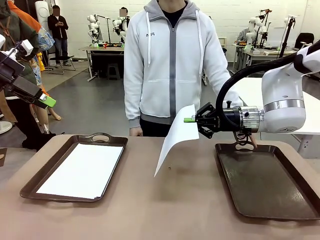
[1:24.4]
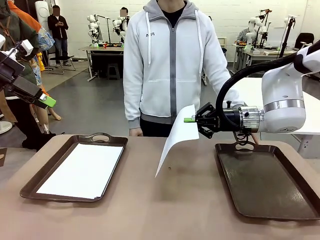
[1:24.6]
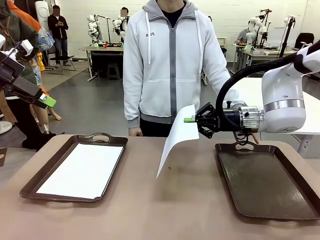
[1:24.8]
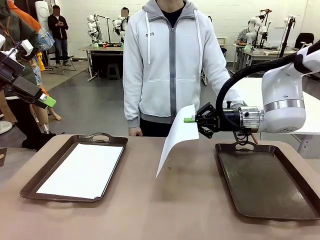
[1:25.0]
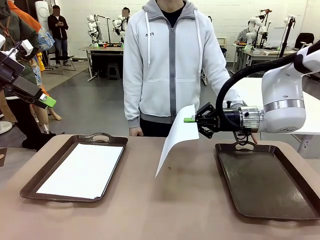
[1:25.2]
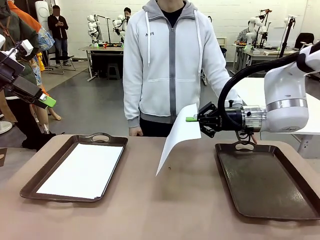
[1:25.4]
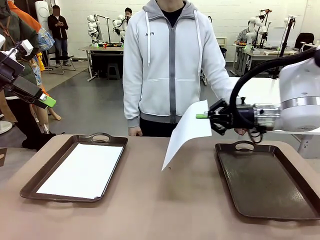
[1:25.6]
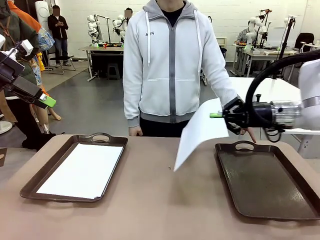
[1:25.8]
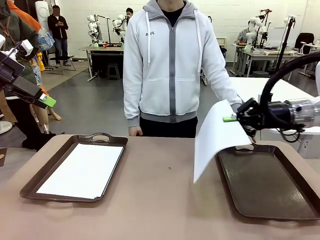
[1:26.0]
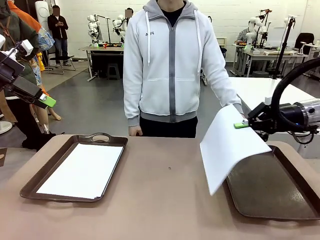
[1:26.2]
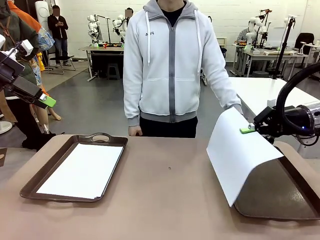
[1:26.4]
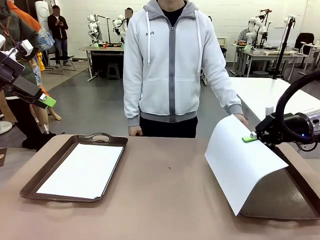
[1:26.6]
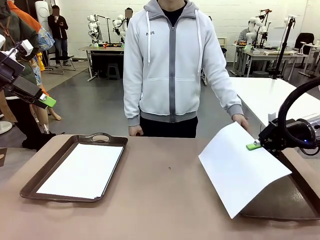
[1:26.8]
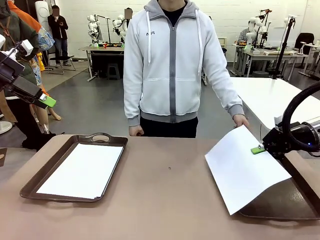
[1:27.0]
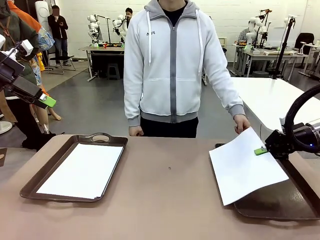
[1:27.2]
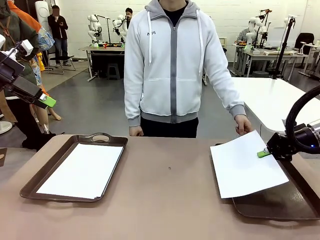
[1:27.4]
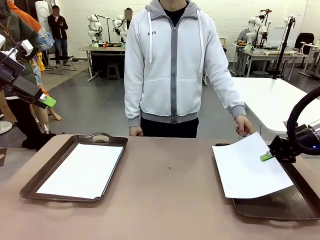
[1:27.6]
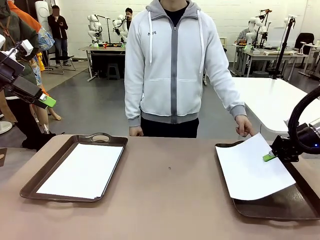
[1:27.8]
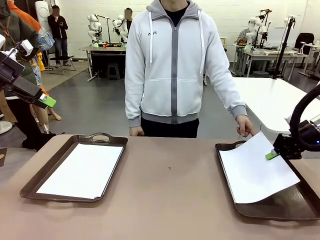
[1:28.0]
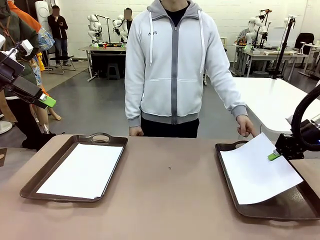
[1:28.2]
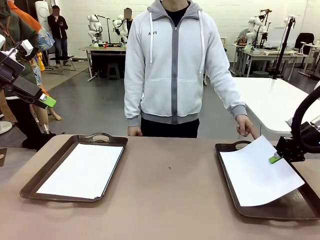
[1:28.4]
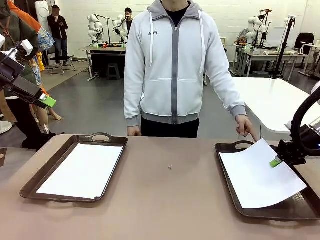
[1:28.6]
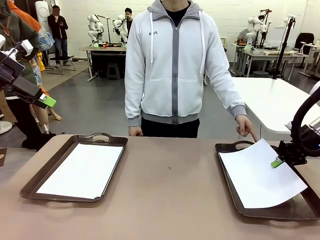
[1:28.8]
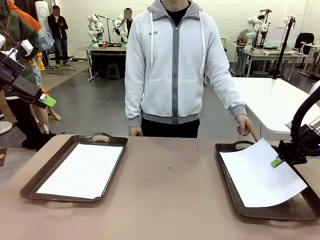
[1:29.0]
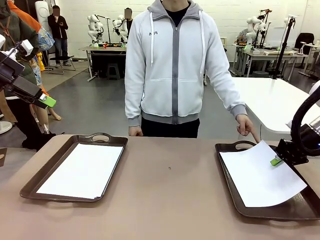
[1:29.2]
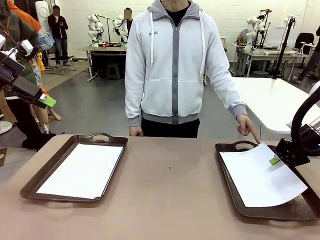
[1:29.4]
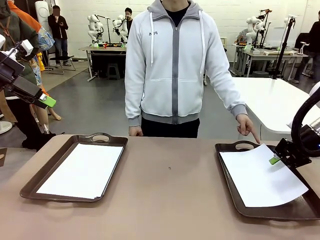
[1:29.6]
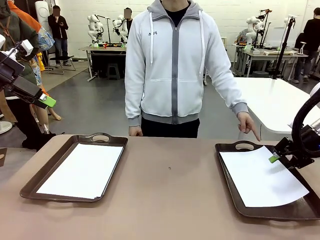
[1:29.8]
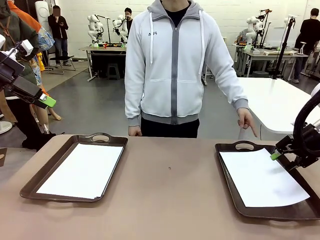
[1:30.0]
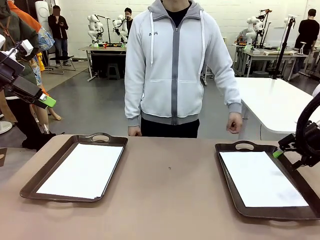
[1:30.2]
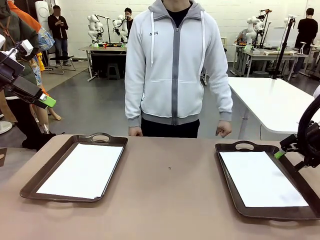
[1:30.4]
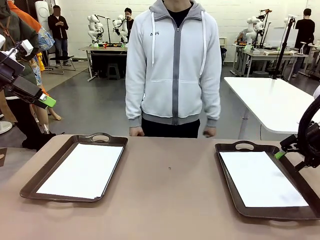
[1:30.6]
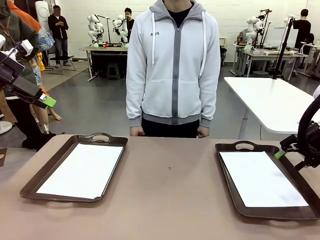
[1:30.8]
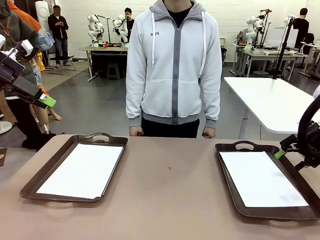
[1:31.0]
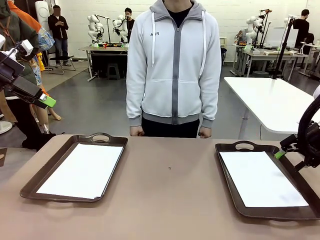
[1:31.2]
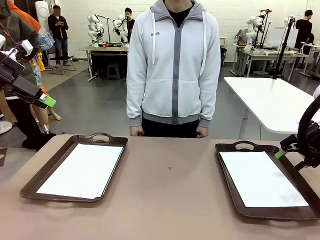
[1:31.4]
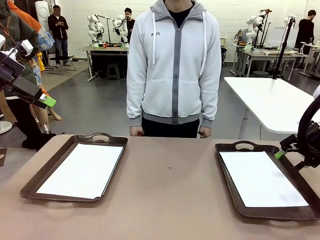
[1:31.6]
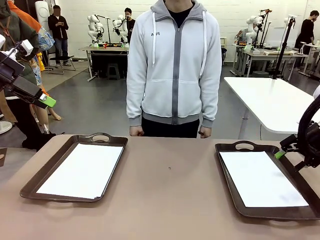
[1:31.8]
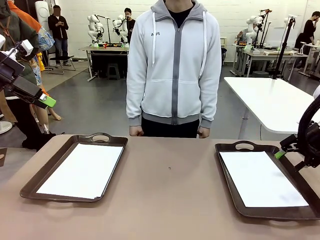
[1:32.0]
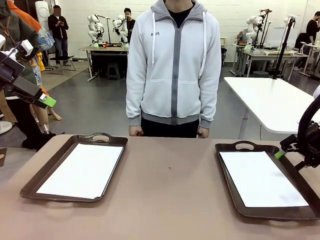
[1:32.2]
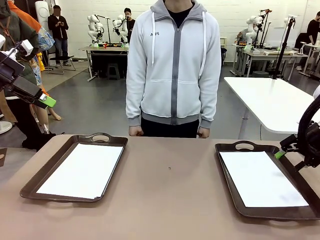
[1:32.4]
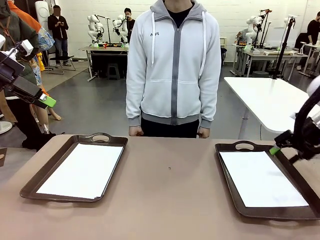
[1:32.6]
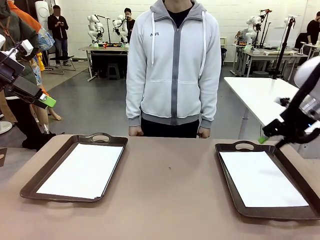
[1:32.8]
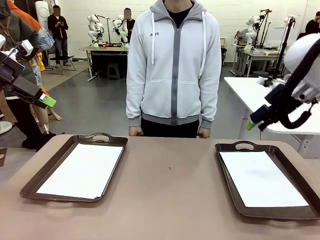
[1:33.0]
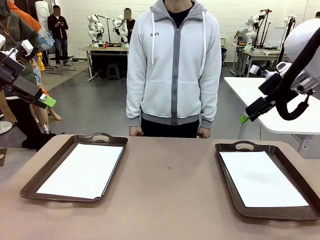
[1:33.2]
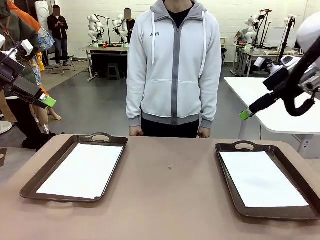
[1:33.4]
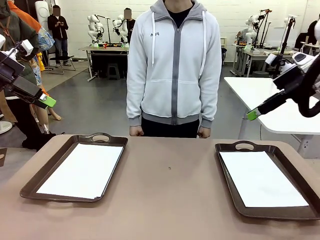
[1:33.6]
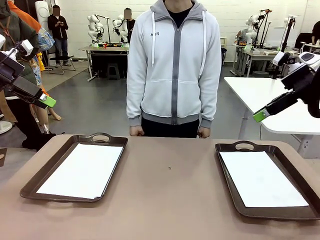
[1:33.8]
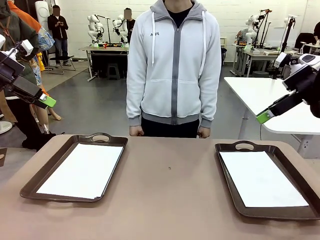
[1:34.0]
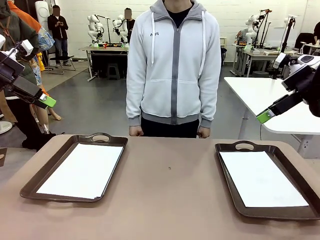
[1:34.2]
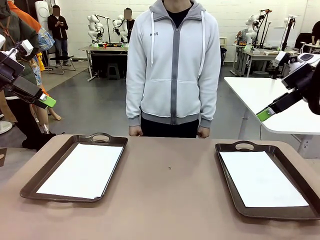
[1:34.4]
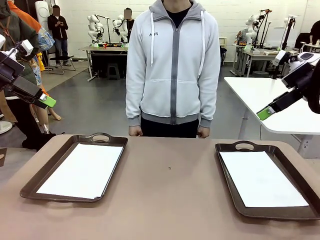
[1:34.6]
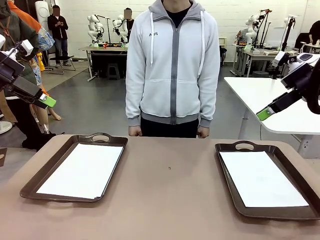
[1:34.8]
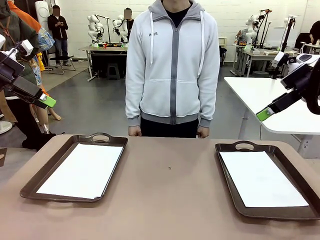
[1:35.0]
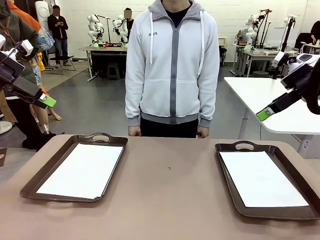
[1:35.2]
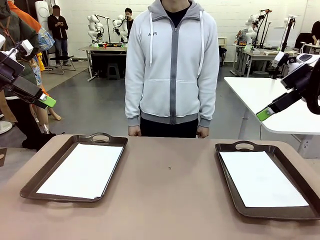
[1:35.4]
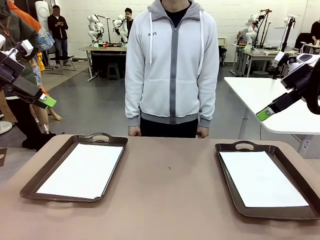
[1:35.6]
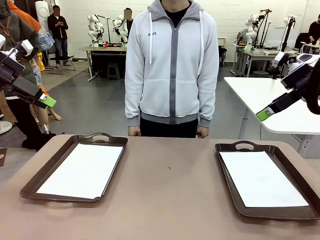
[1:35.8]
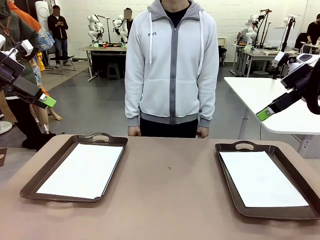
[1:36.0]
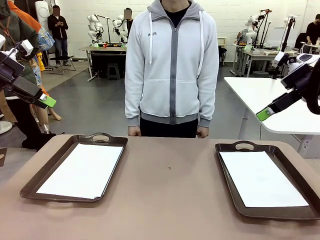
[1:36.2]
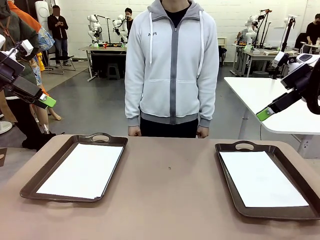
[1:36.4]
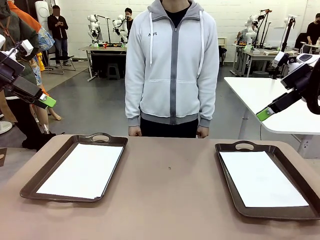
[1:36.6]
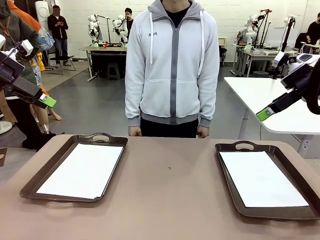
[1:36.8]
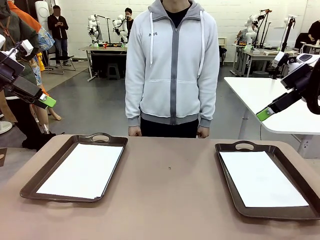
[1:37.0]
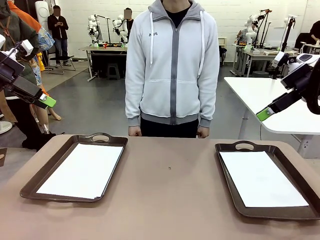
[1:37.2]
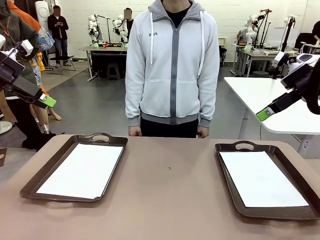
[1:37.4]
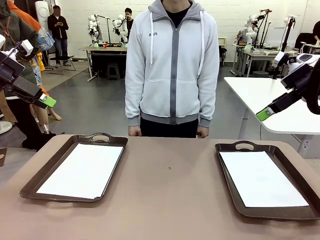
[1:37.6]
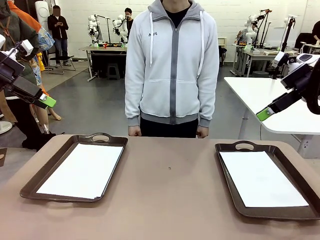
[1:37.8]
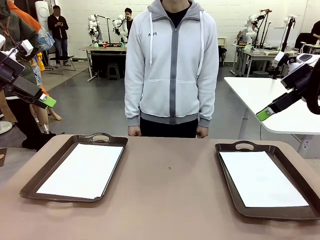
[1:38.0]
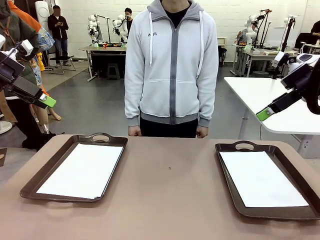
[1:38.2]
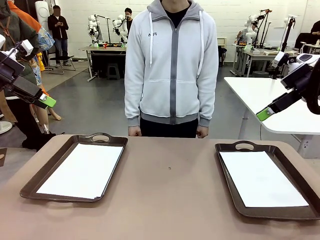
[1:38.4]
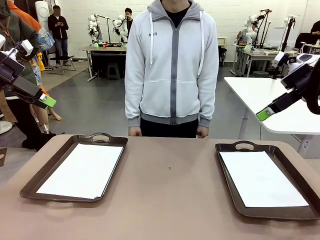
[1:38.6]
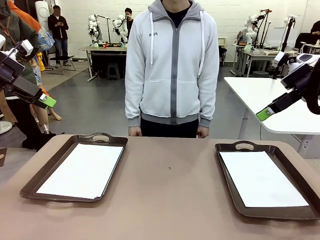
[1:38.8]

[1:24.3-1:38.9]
Task: Sort the A4 documents.
Robot: Place the A4 Paper in the designated Handle tray.
Person: Point the randomly selected tray with the other hand.
